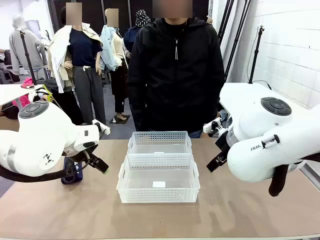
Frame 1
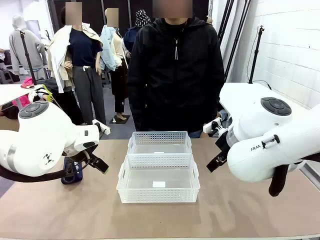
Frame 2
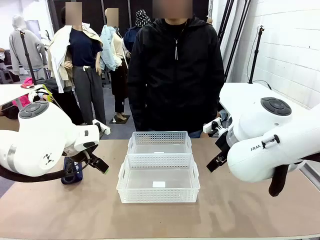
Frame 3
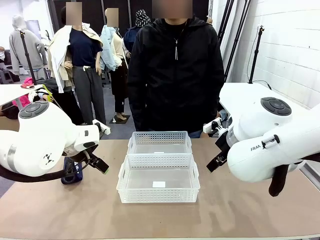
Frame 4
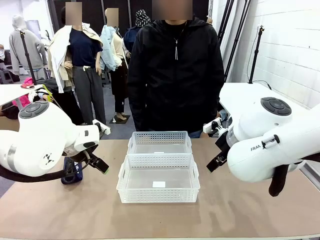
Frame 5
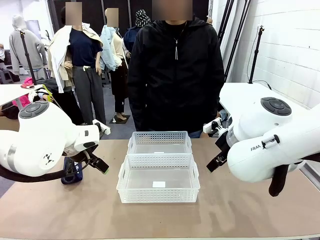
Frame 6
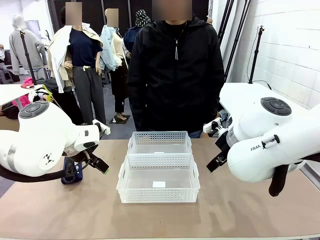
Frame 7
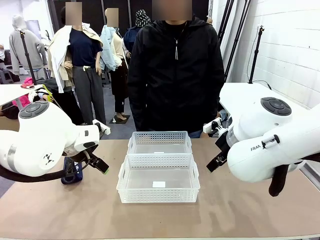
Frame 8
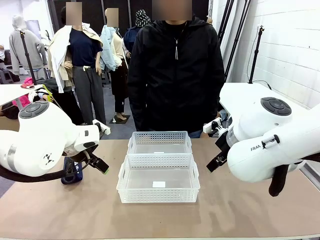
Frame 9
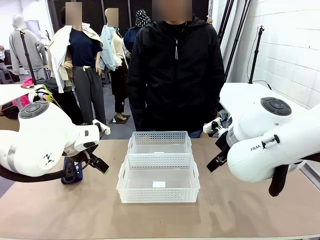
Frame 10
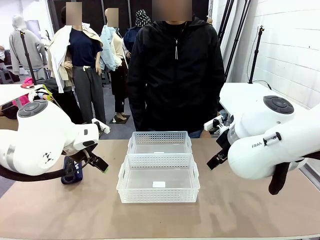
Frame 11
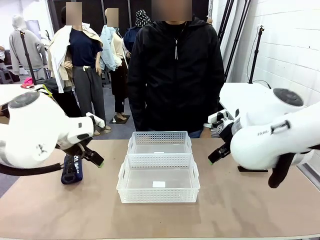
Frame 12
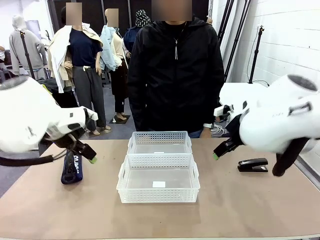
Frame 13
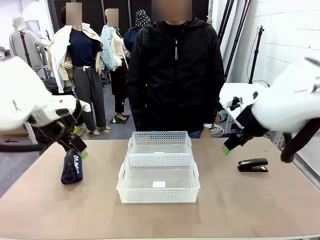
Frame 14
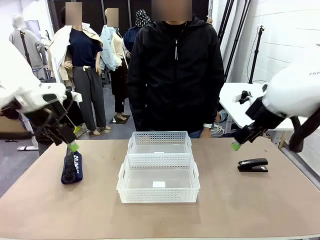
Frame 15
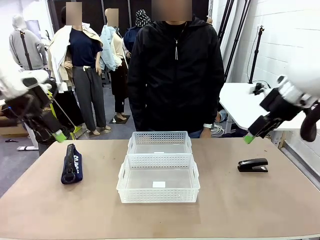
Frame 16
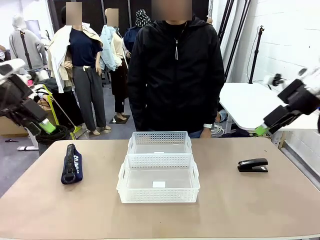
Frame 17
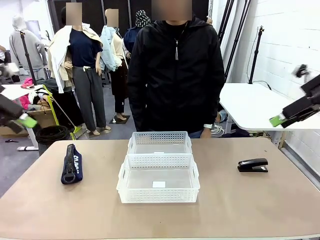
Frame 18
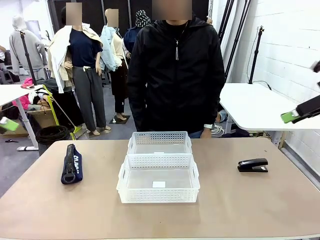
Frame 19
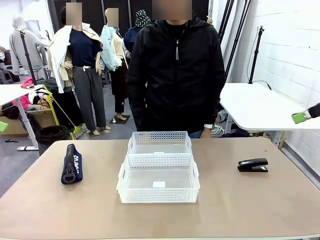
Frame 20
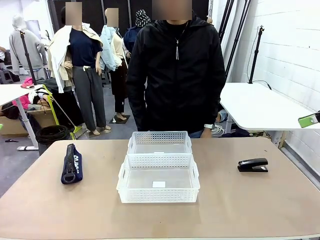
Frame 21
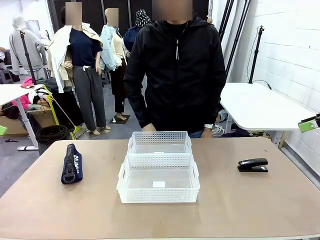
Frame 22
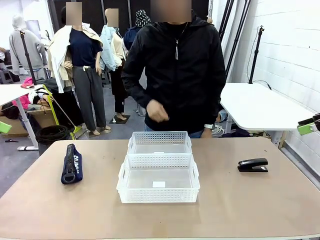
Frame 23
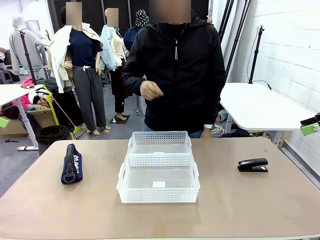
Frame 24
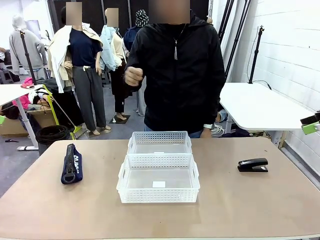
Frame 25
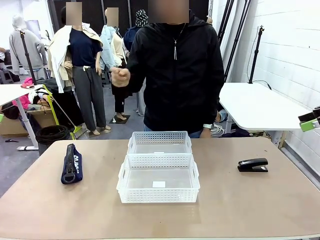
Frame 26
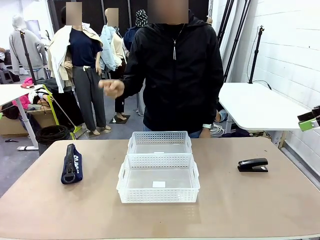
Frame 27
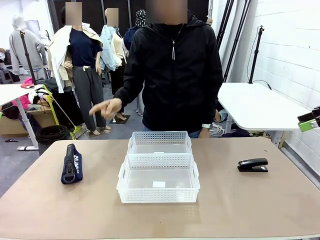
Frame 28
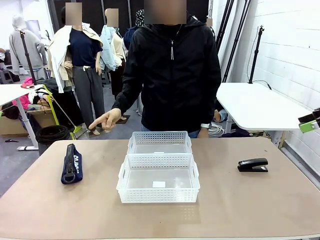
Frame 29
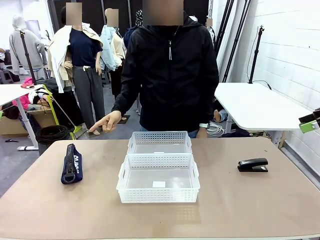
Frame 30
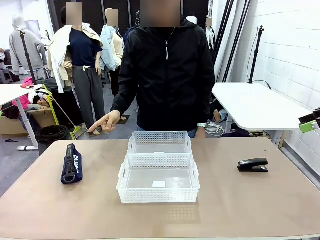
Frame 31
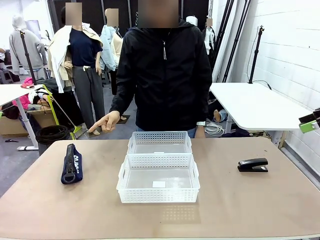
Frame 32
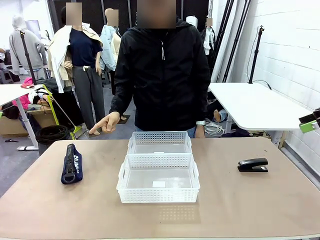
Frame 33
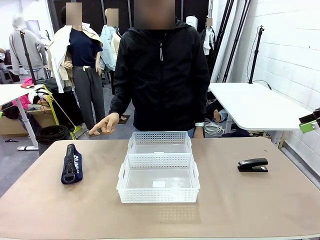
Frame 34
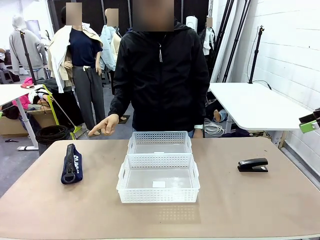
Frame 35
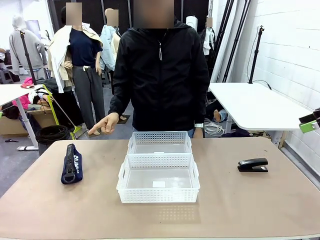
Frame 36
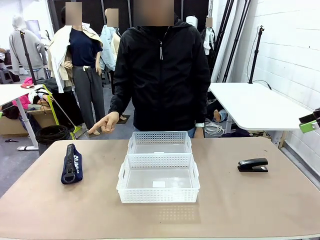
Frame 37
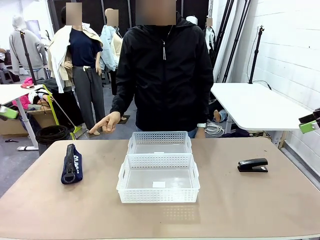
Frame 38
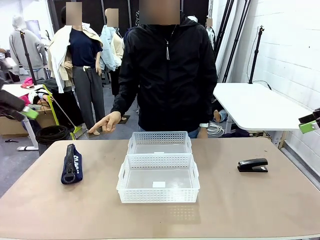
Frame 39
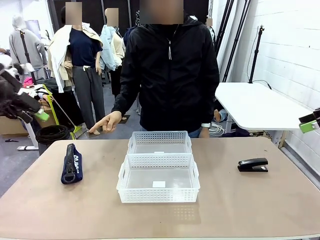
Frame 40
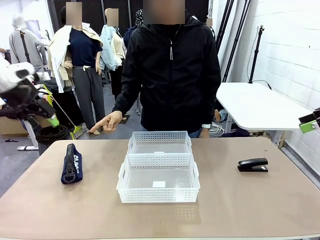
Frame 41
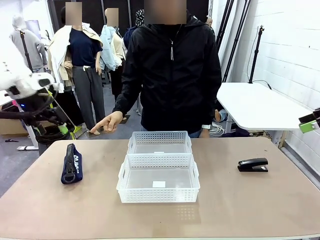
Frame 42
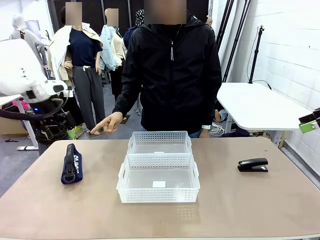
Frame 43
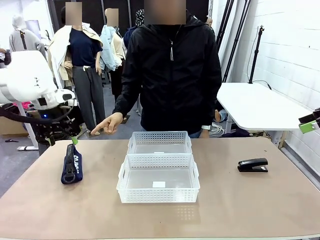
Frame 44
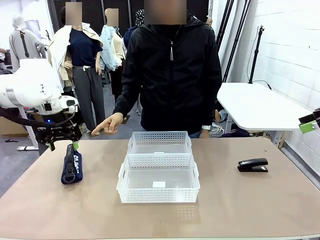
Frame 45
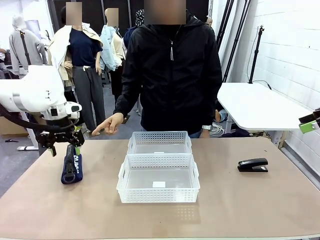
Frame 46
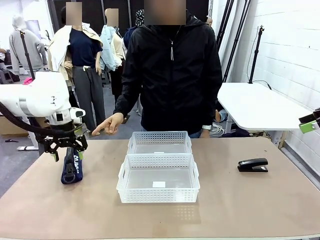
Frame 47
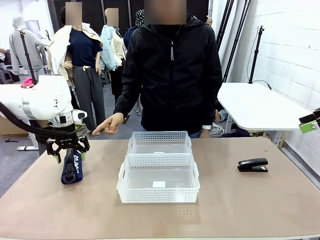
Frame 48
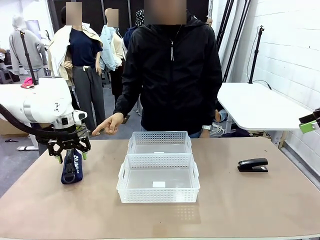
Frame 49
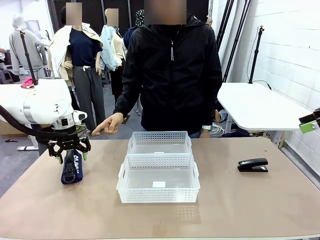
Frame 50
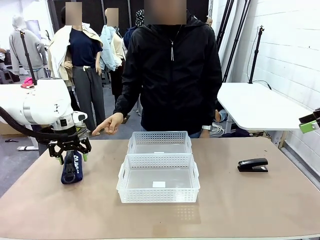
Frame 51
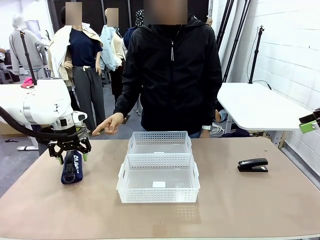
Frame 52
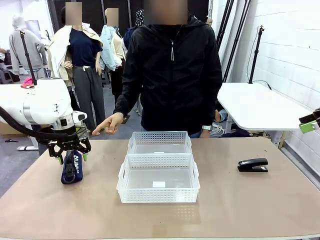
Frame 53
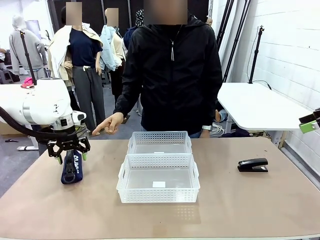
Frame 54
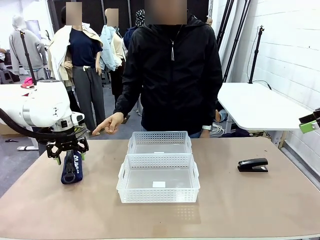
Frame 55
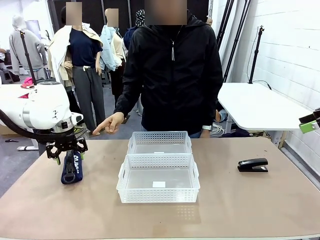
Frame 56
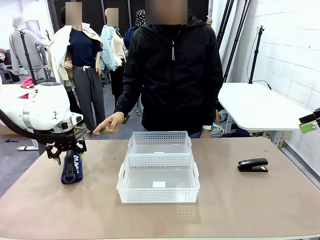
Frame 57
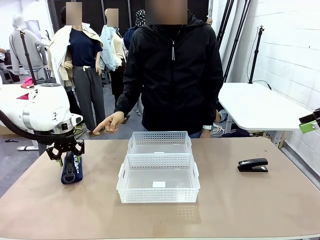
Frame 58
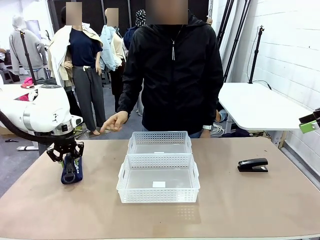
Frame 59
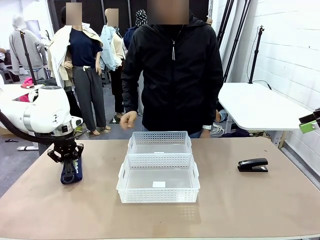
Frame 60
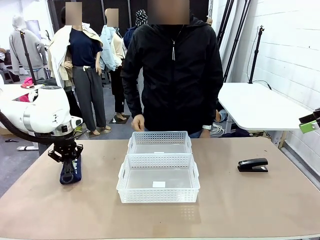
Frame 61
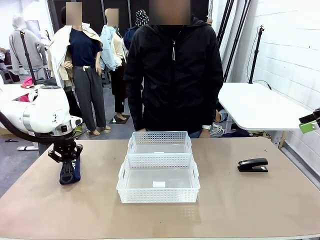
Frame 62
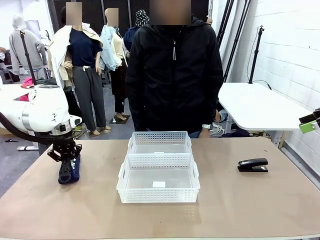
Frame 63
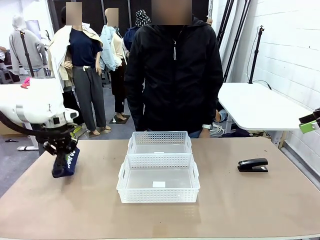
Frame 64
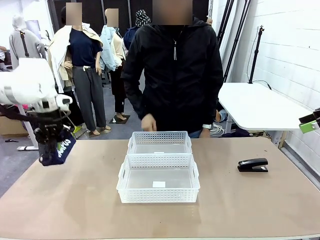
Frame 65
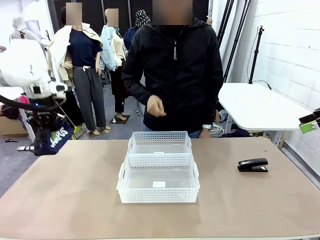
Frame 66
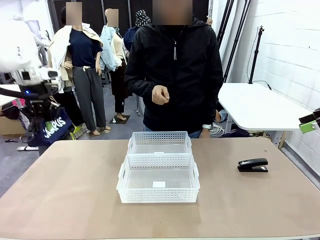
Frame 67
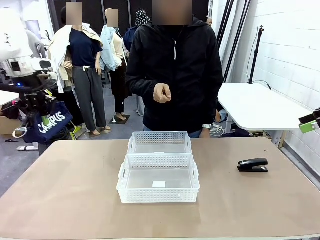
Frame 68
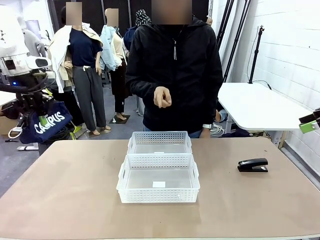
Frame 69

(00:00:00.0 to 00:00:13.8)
Task: Distribute items into two baskets.
Robot: Pick up the Pencil pouch that the person points to.
Person: Points to the pencil case. Points between the two organizing baskets and instructs the robot to move the pencil case.

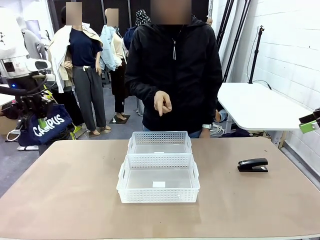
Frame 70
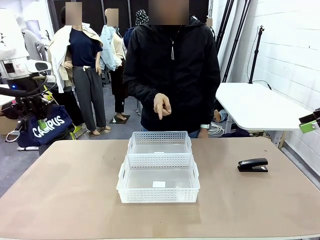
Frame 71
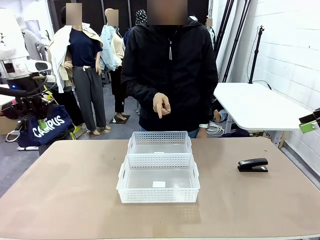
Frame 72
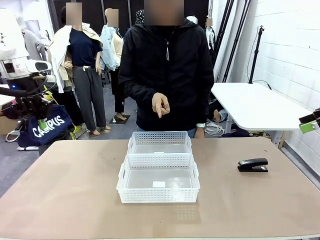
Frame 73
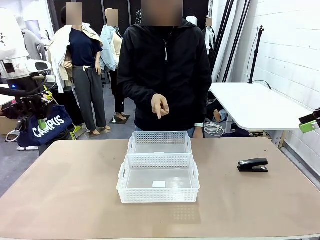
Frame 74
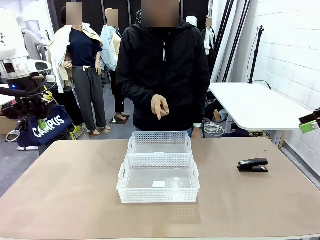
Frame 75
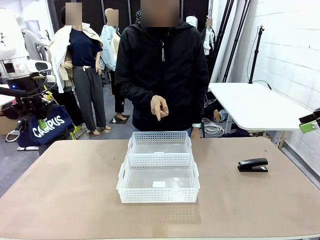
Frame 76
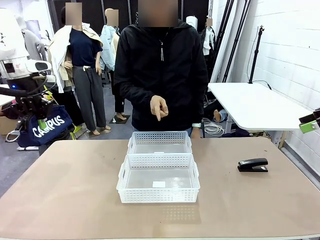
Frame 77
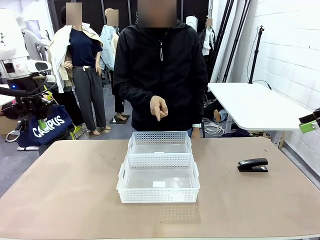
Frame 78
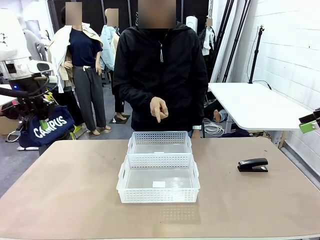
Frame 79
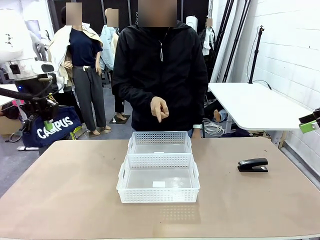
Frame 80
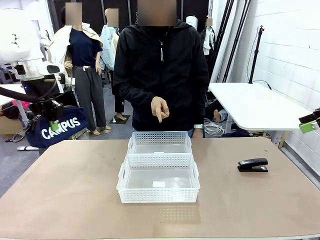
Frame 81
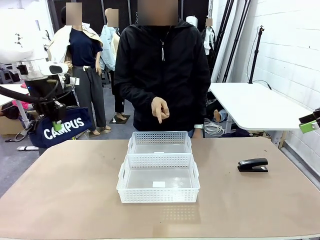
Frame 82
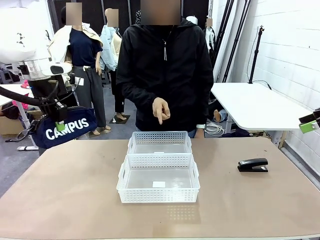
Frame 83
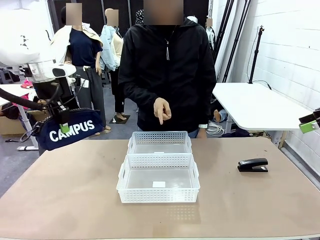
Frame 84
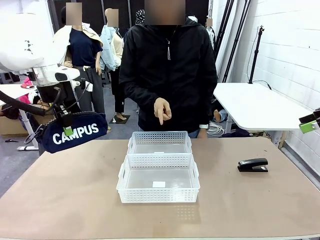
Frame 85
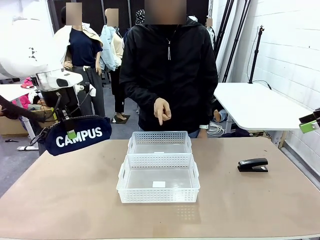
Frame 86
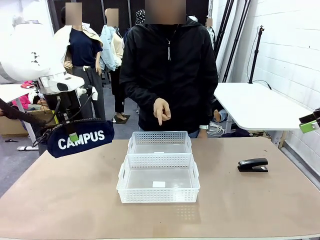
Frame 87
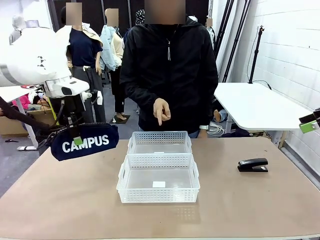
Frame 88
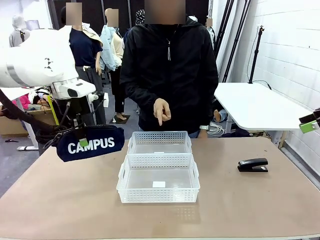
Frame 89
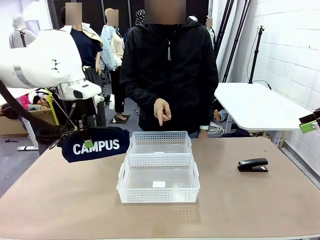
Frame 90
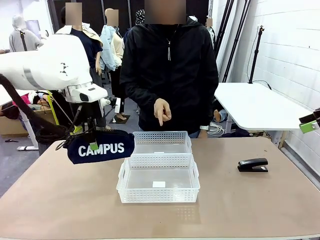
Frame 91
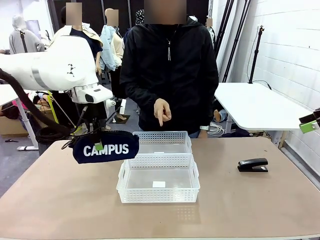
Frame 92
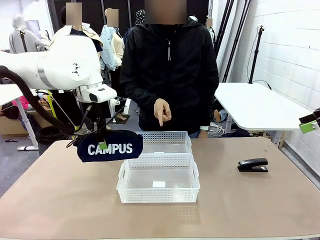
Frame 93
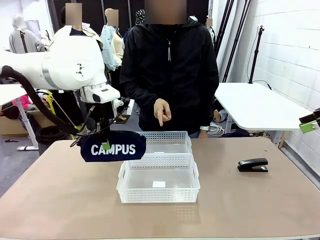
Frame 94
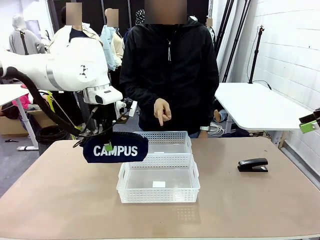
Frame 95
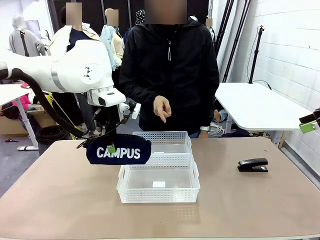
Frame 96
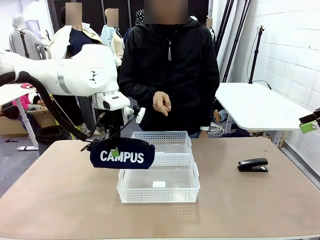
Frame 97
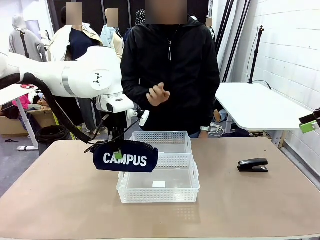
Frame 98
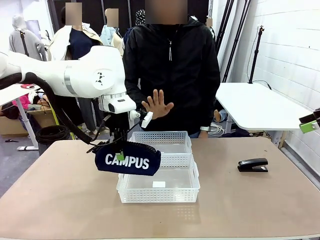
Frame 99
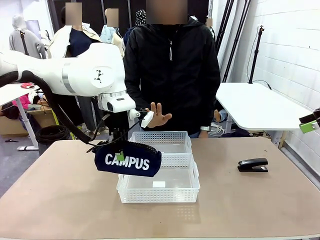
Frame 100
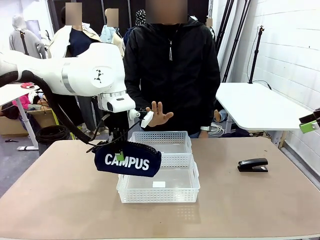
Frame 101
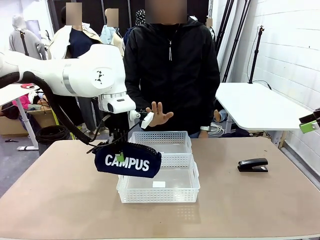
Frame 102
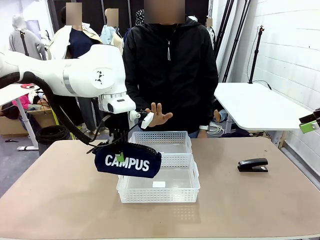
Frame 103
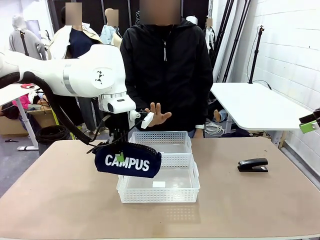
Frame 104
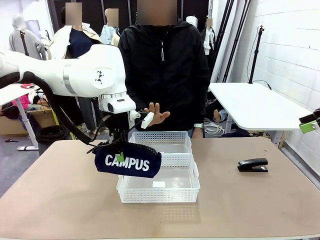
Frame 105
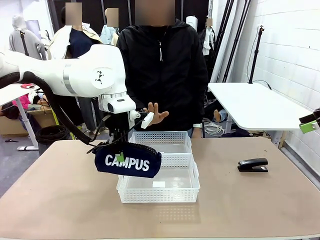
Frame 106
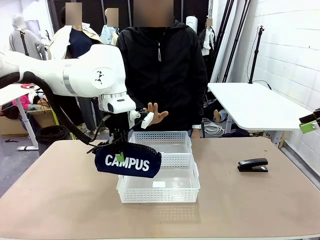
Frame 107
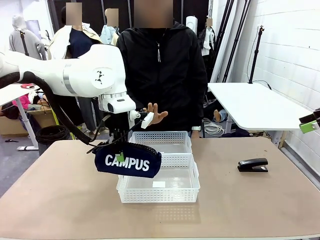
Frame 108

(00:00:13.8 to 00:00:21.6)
Robot: Move the picked Pencil pouch towards the Organizing basket indicated by the person, stopping as directed.
Person: Sends a stop gesture before the robot places the pencil case into the basket.
